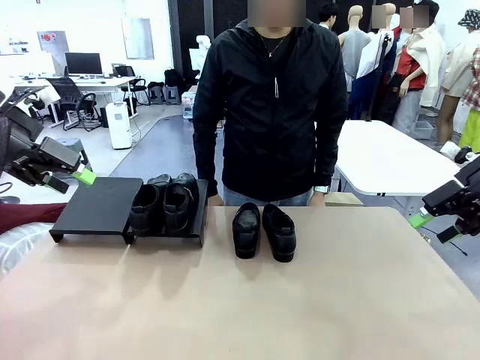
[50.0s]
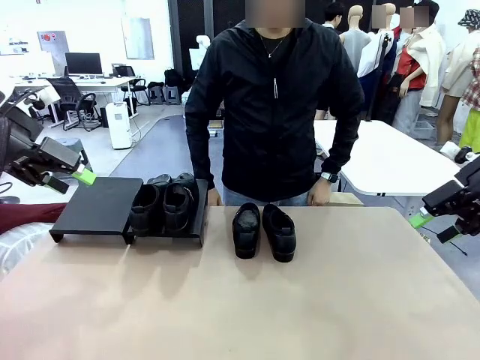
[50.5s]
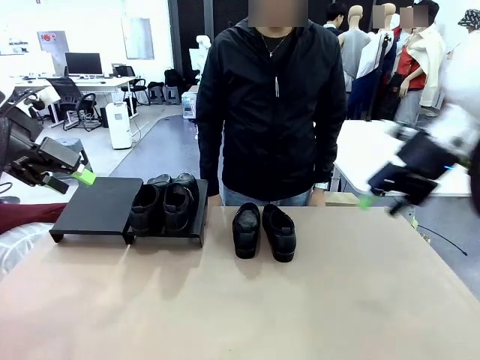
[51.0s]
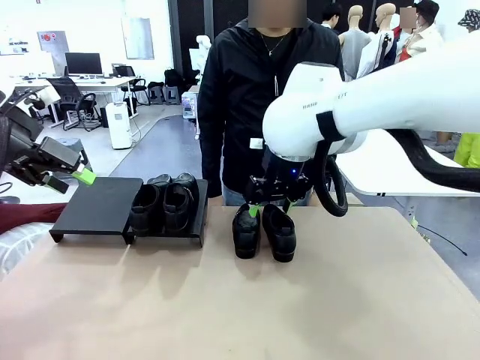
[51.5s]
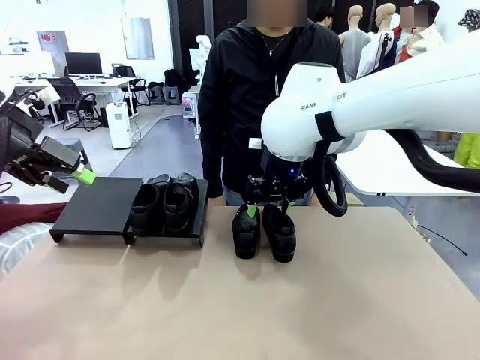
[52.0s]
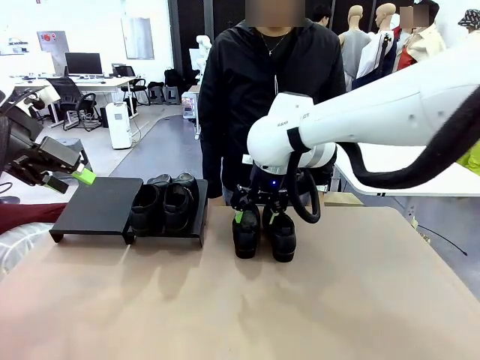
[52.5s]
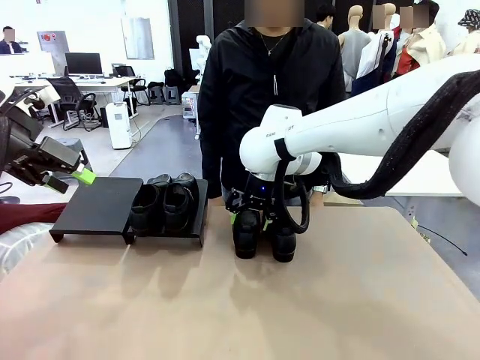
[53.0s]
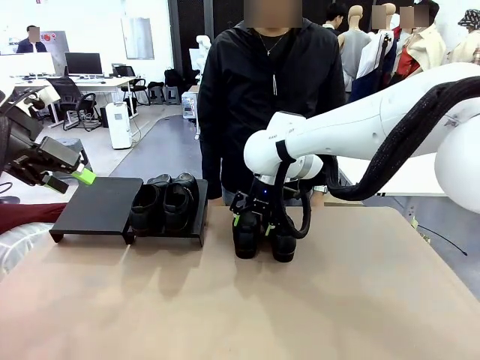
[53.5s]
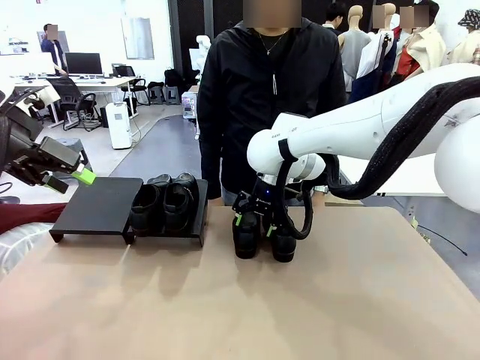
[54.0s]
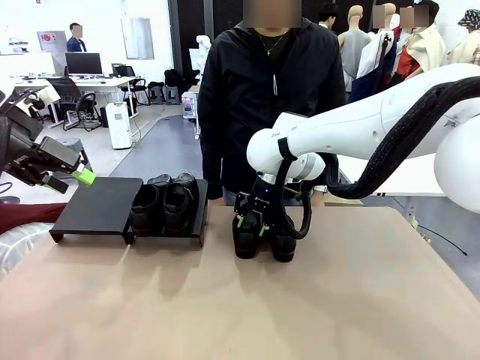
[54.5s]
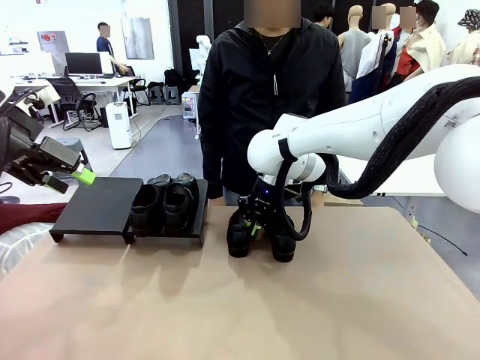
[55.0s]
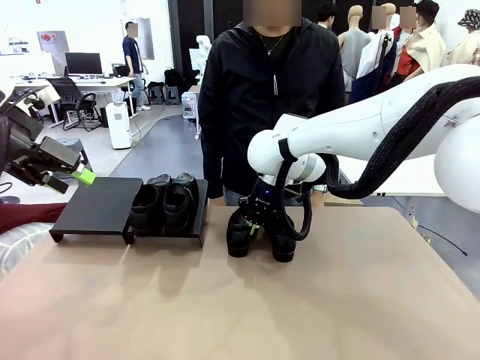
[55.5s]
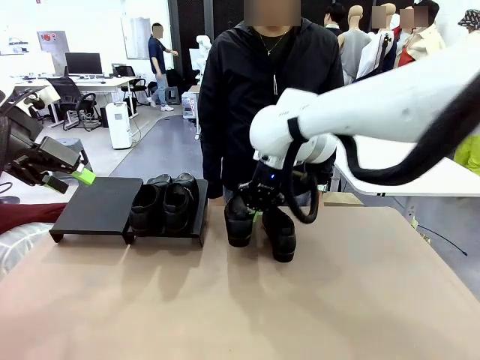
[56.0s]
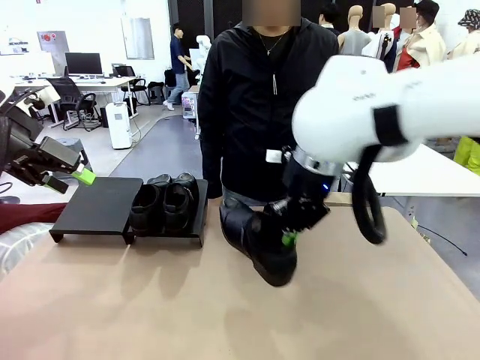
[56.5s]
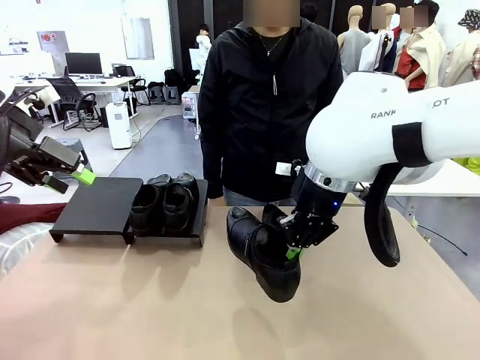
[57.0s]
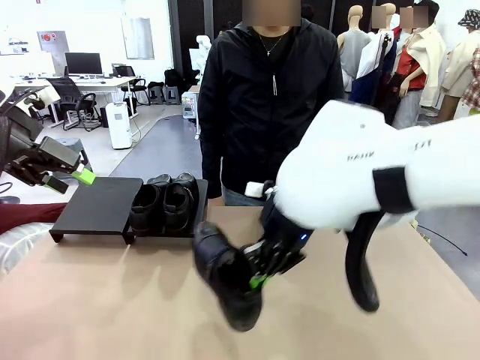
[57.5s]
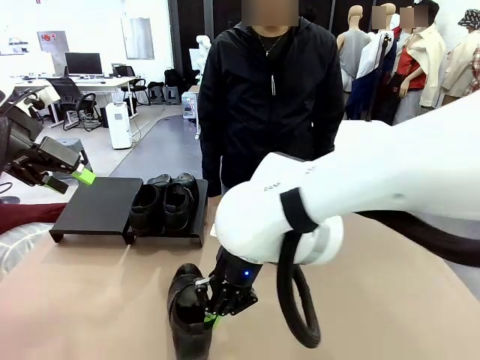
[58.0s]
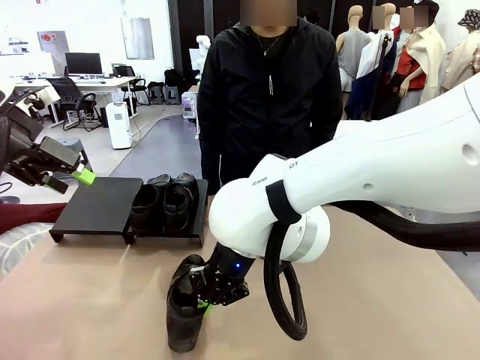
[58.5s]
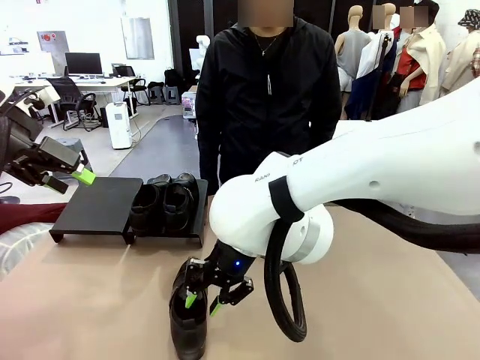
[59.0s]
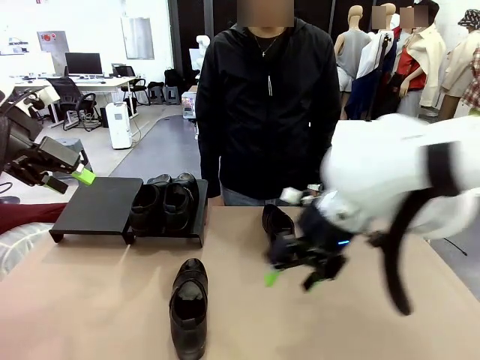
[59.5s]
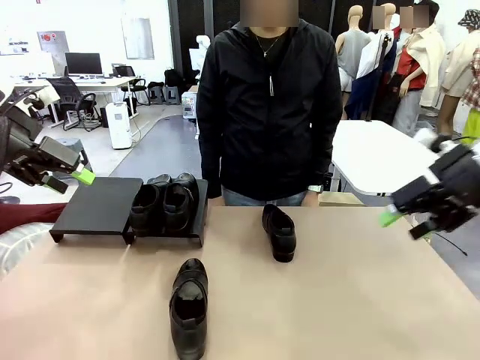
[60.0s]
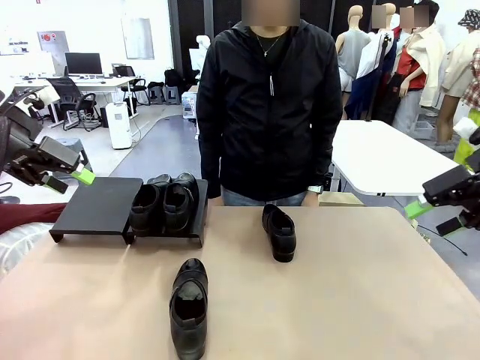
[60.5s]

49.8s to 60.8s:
Task: Organize the shoes by placing them on the stand.
Robot: Pick up one Shoe and place it in the middle of the table.

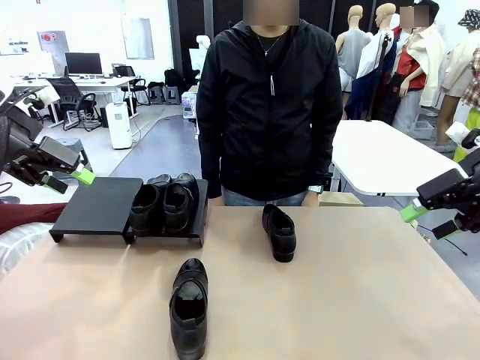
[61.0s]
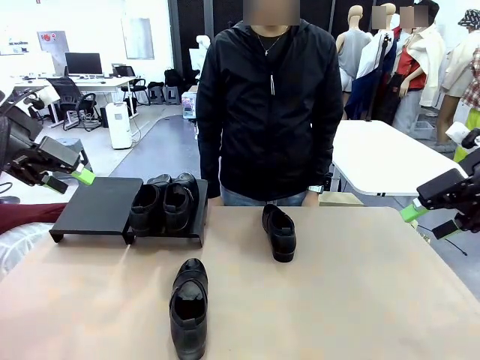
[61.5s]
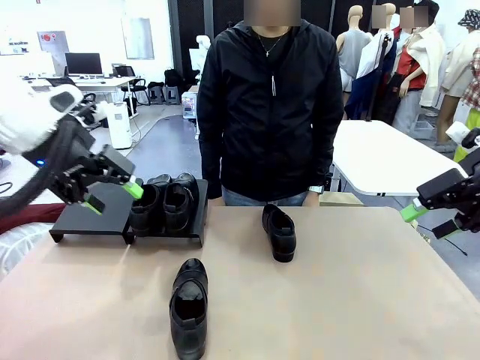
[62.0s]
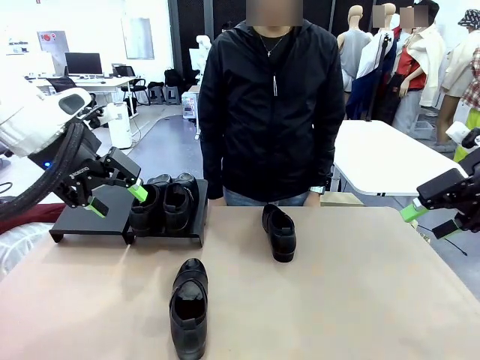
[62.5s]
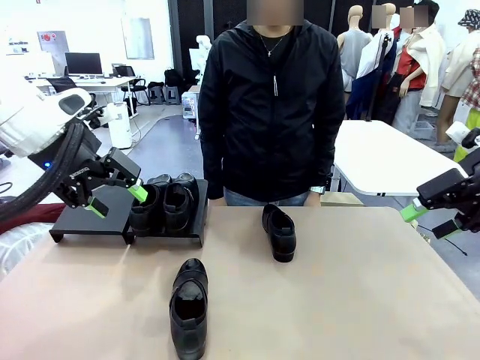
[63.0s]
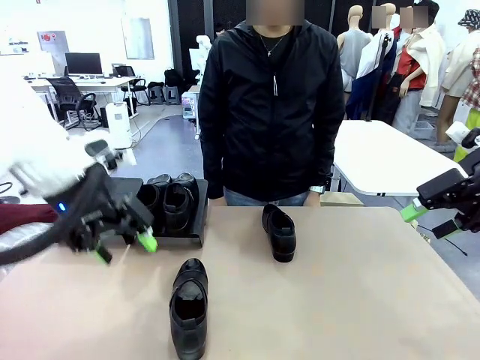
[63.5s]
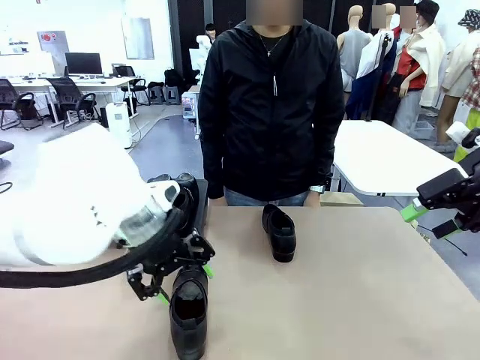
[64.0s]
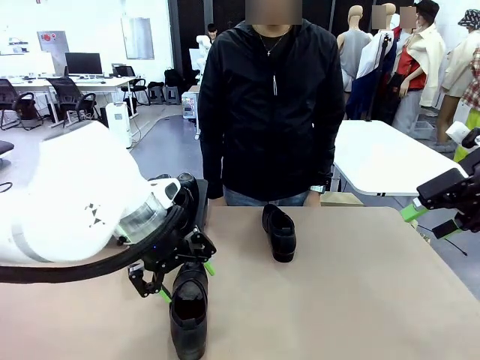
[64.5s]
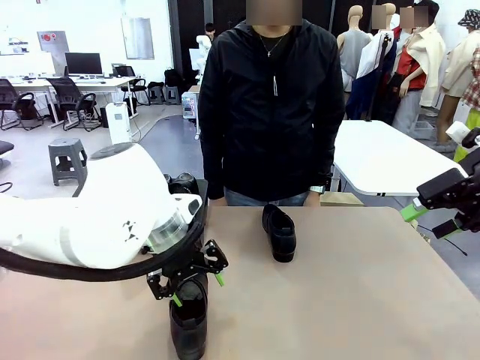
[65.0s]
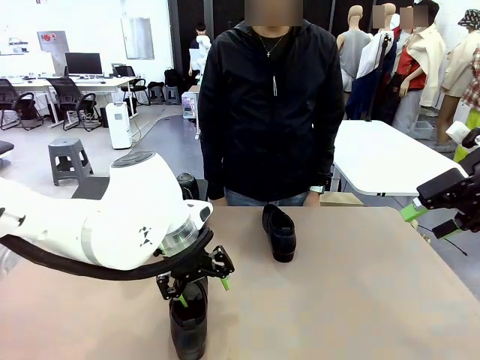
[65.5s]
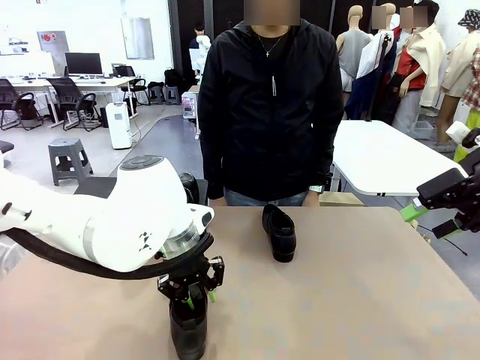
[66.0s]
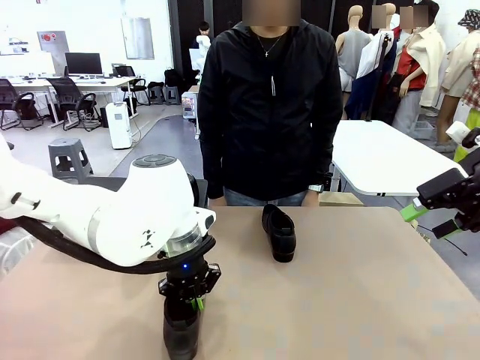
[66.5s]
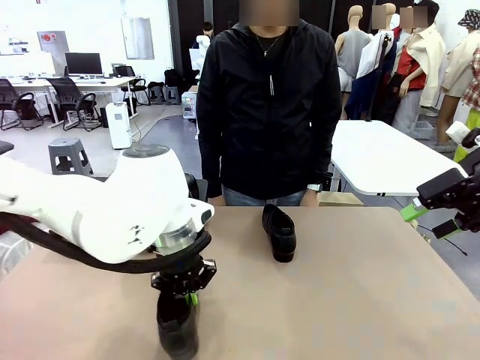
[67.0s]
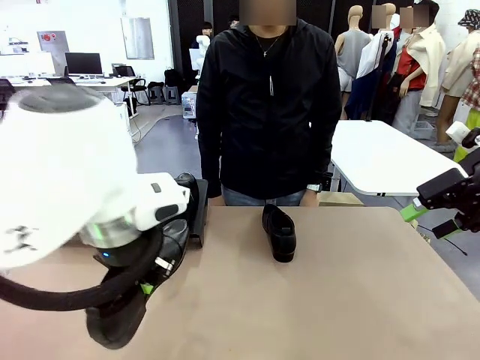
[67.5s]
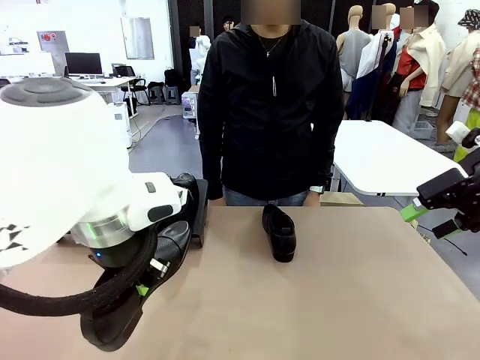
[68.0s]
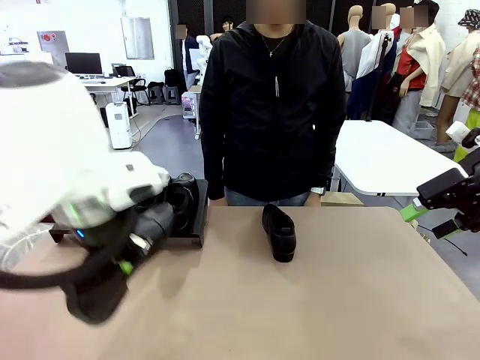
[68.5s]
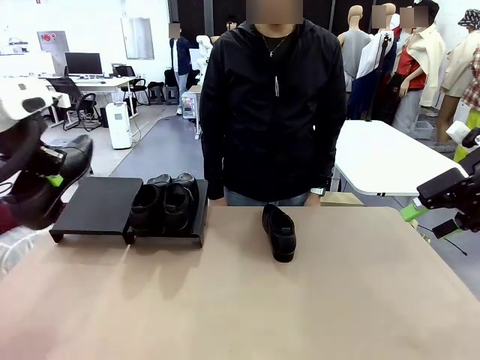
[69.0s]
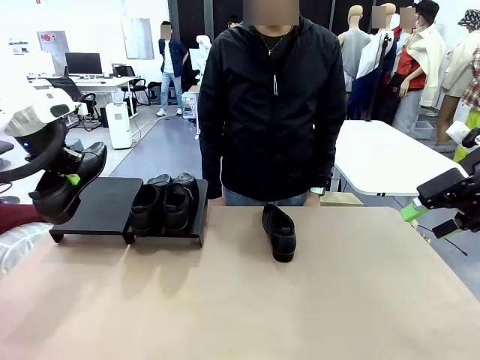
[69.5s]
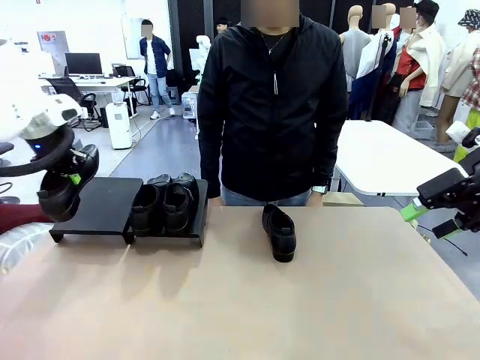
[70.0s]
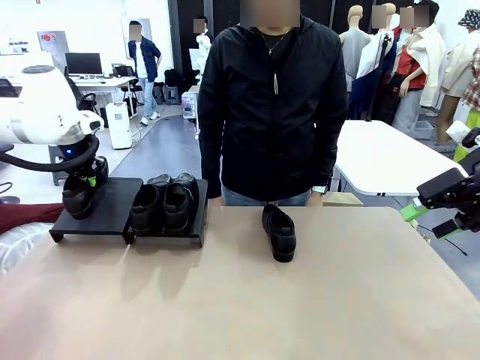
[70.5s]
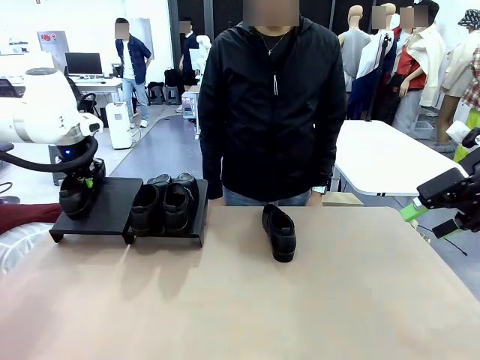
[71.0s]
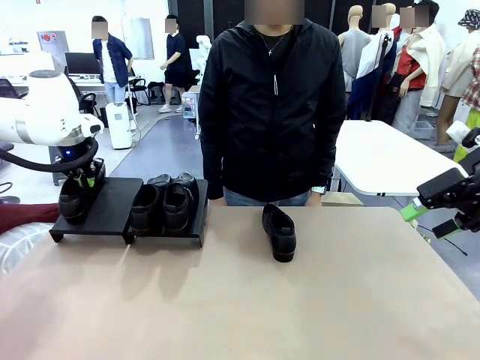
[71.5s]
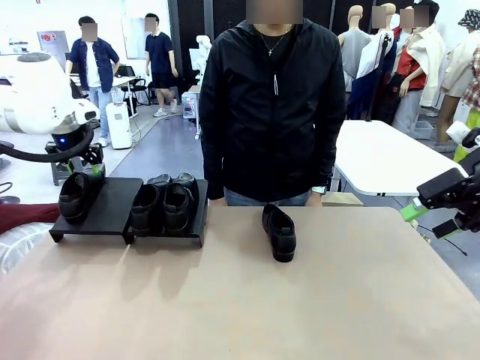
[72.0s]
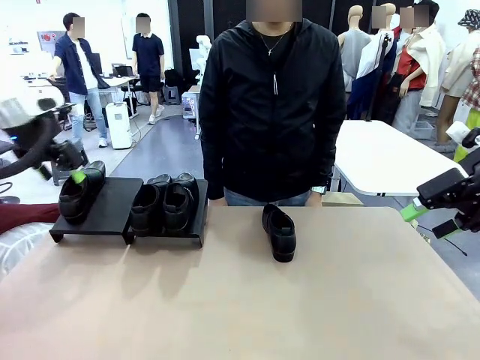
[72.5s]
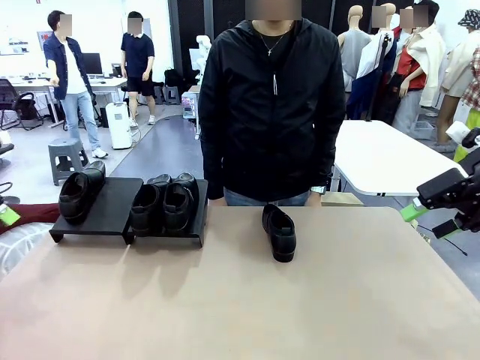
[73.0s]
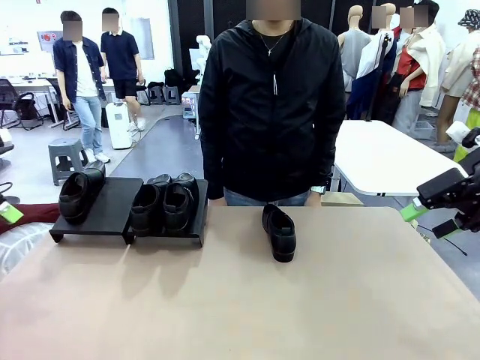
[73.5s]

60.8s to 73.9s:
Robot: Place the Shoe from the middle of the table onto the Shoes Stand.

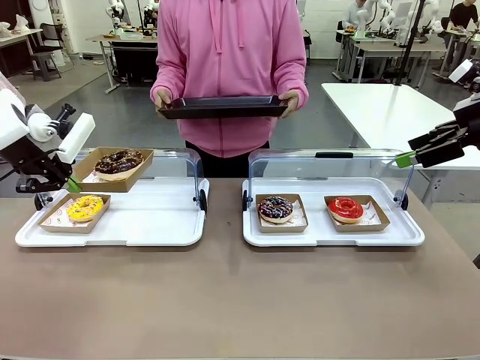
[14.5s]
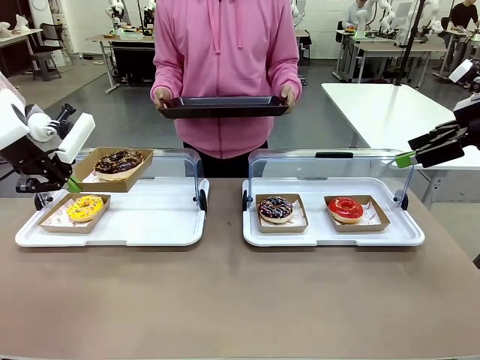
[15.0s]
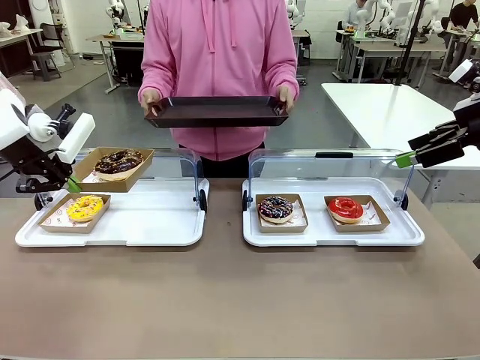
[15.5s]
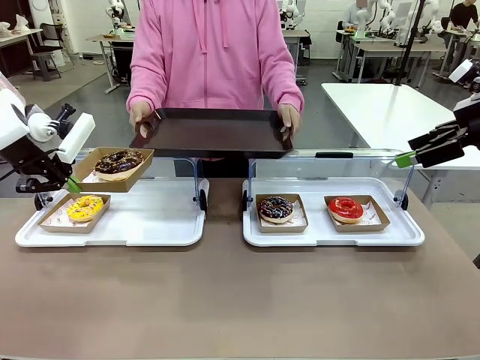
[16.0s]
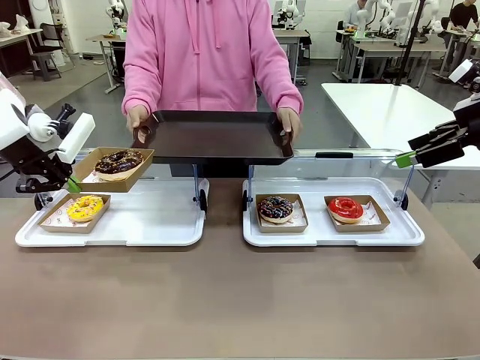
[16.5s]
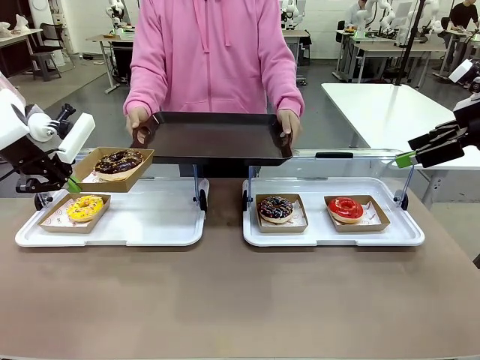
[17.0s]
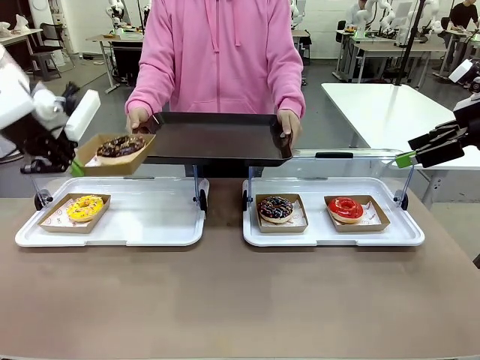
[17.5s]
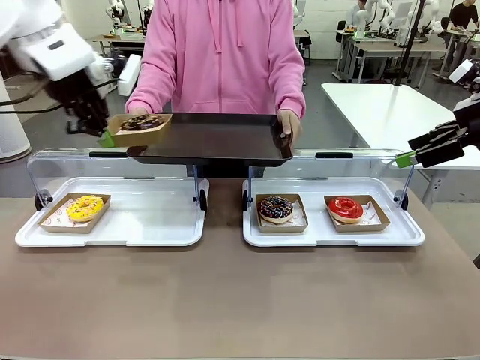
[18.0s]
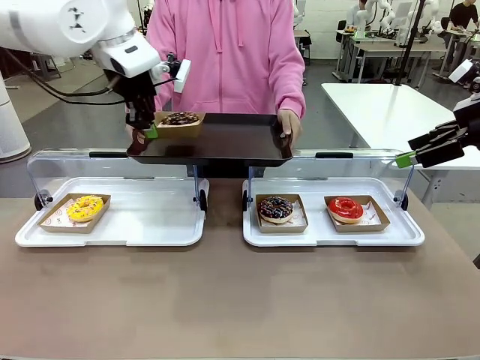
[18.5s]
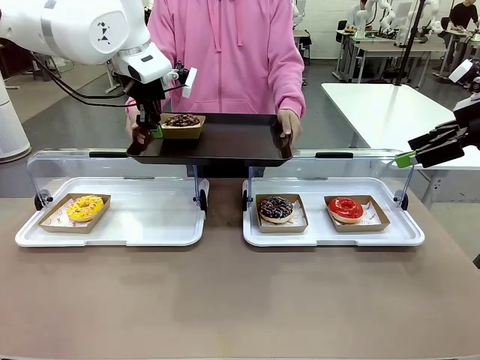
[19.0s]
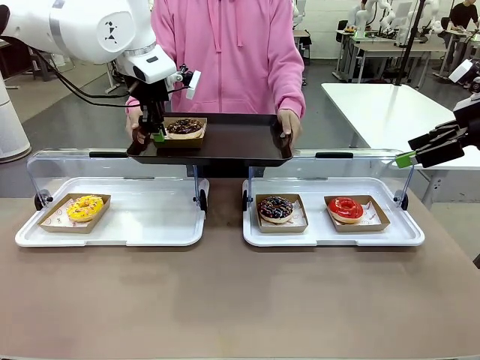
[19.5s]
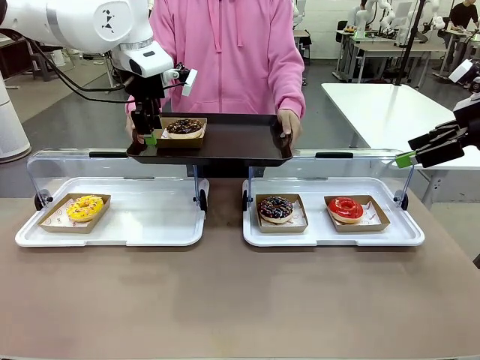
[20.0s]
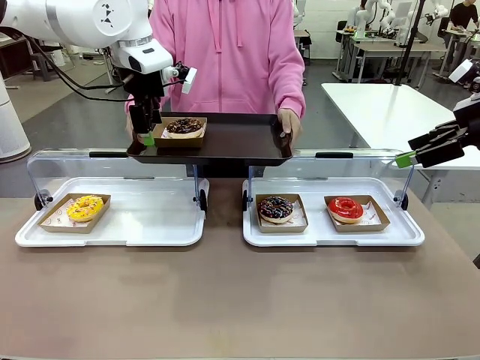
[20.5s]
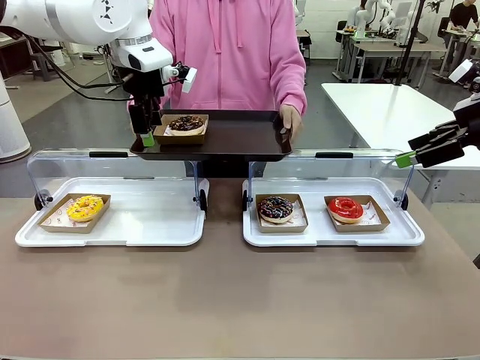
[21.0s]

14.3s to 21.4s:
Task: Provide the desired donut to the person.
Robot: Place the picked Paper togo box onto the Handle tray extended by the person.
